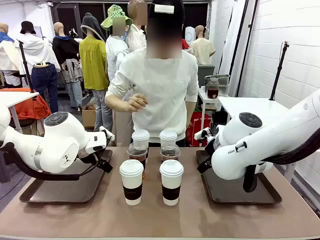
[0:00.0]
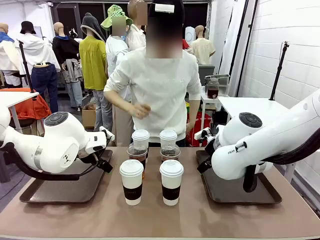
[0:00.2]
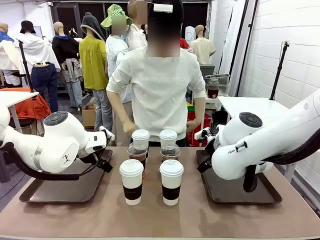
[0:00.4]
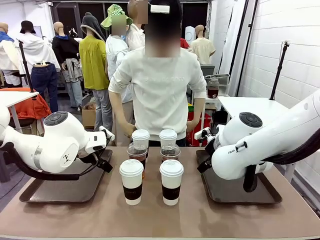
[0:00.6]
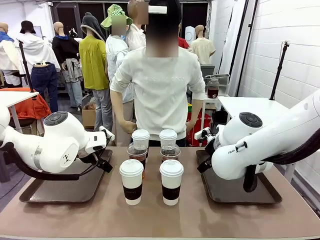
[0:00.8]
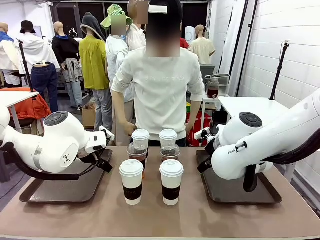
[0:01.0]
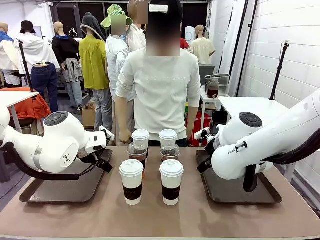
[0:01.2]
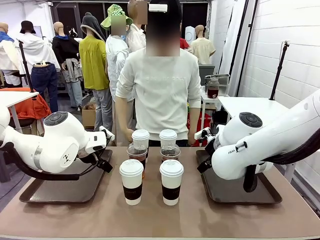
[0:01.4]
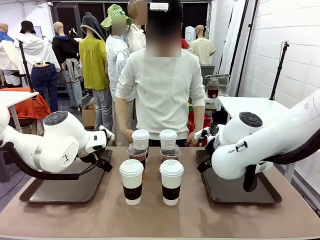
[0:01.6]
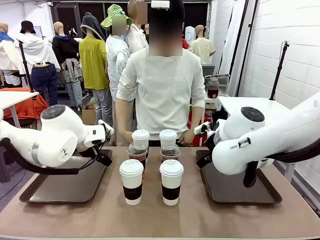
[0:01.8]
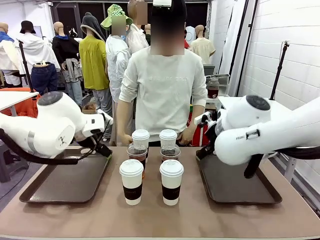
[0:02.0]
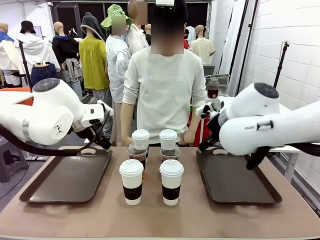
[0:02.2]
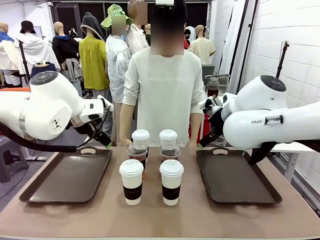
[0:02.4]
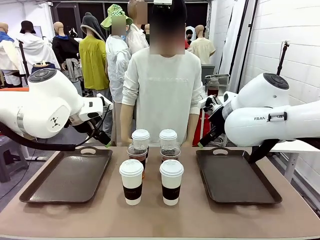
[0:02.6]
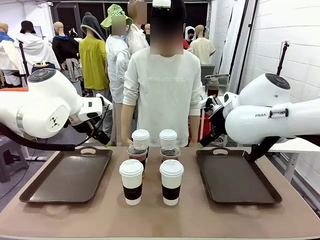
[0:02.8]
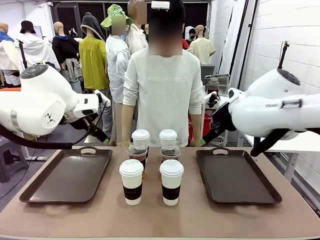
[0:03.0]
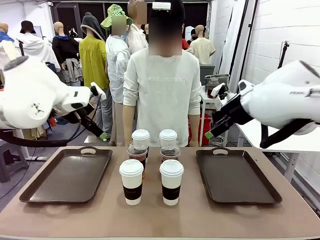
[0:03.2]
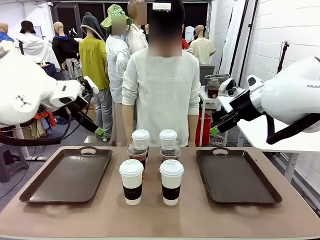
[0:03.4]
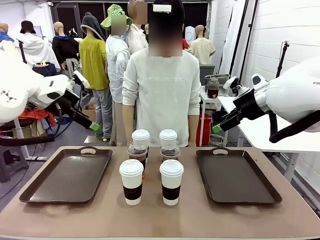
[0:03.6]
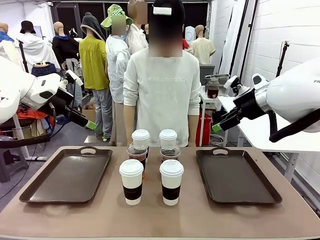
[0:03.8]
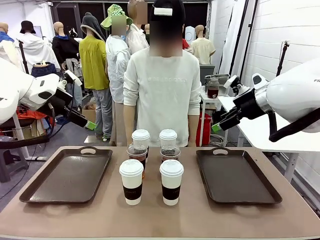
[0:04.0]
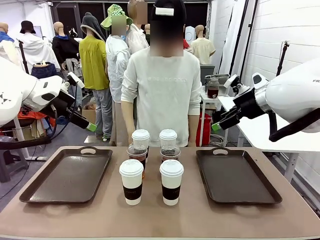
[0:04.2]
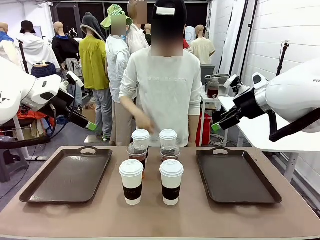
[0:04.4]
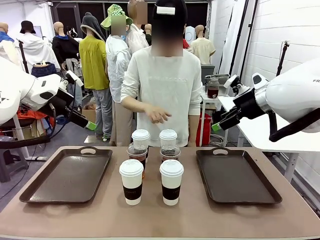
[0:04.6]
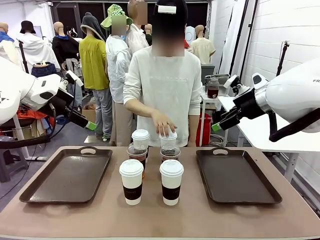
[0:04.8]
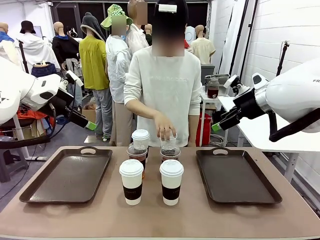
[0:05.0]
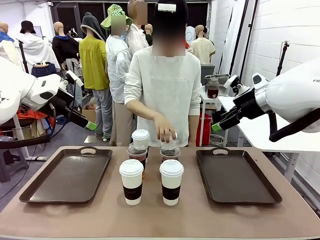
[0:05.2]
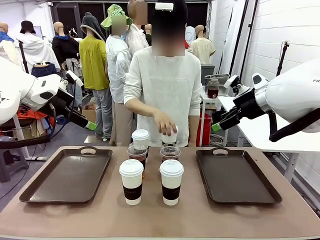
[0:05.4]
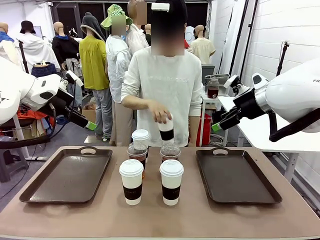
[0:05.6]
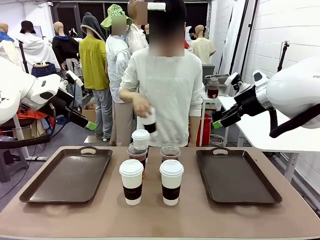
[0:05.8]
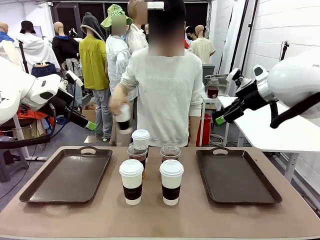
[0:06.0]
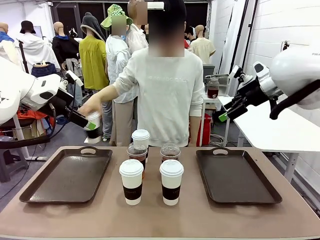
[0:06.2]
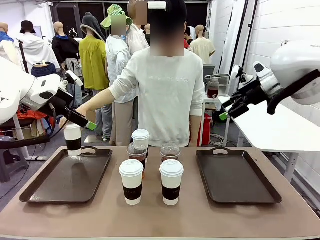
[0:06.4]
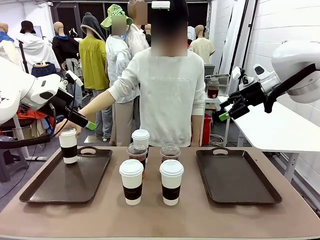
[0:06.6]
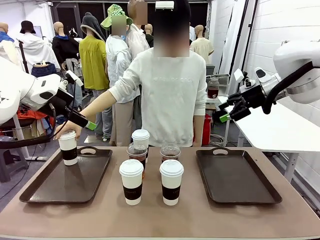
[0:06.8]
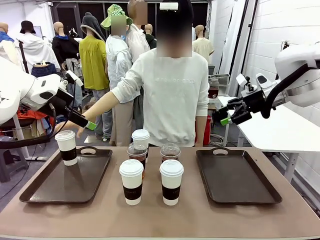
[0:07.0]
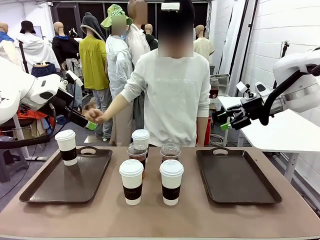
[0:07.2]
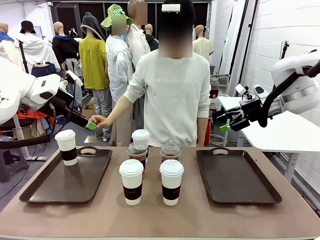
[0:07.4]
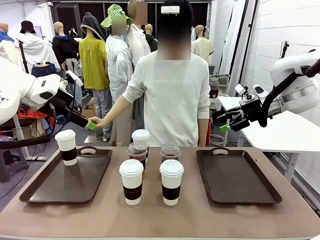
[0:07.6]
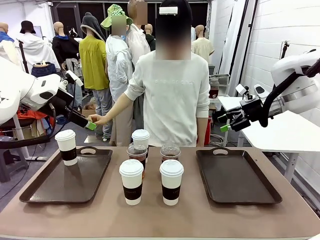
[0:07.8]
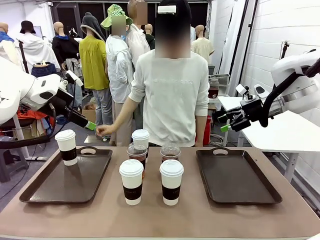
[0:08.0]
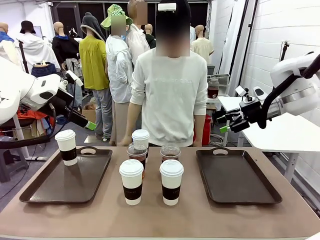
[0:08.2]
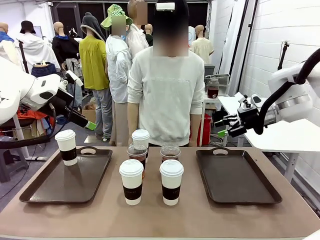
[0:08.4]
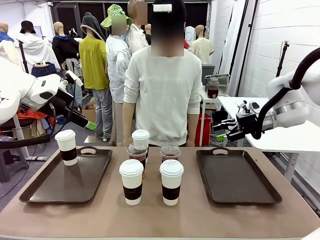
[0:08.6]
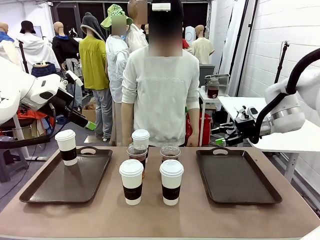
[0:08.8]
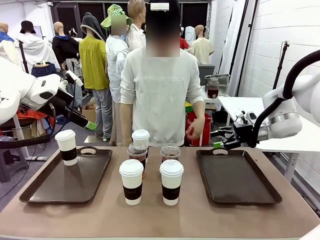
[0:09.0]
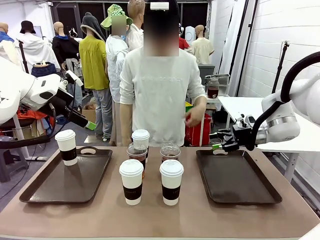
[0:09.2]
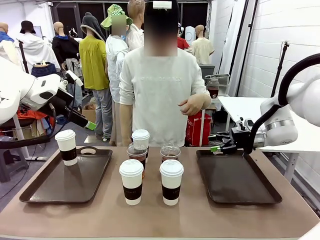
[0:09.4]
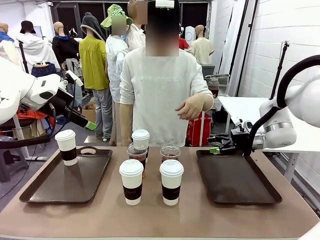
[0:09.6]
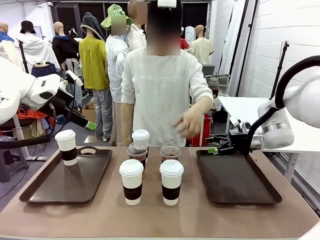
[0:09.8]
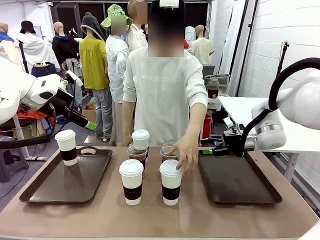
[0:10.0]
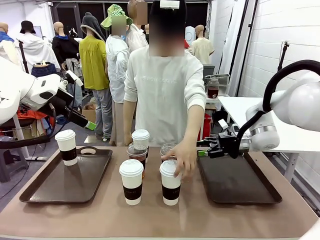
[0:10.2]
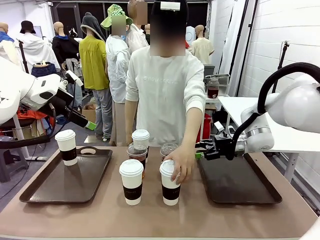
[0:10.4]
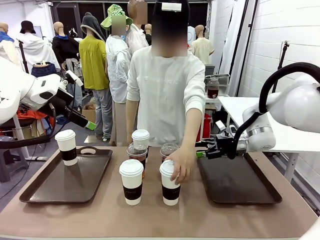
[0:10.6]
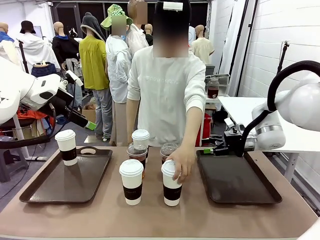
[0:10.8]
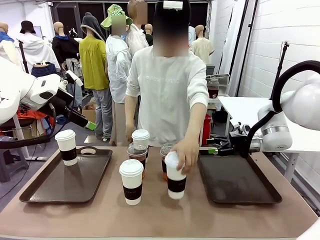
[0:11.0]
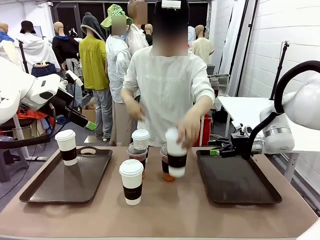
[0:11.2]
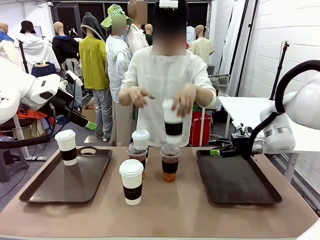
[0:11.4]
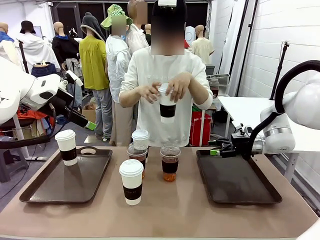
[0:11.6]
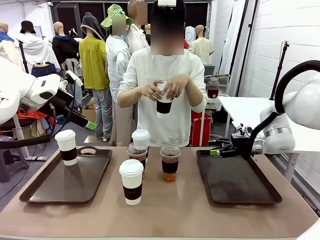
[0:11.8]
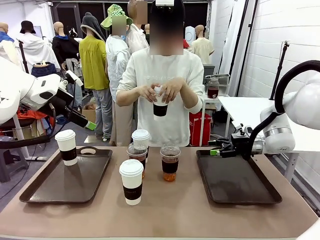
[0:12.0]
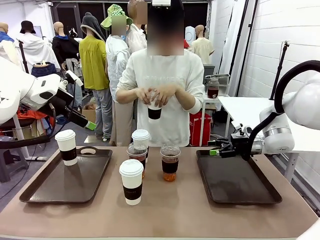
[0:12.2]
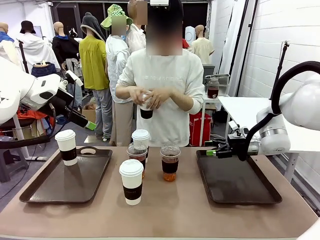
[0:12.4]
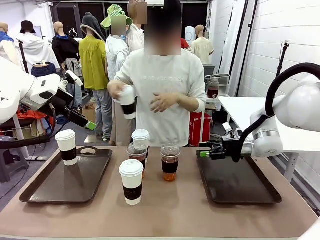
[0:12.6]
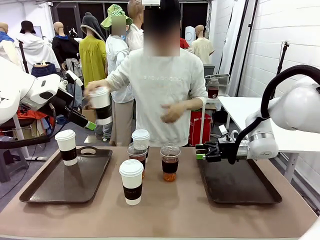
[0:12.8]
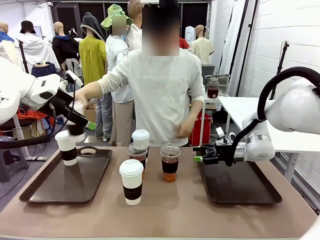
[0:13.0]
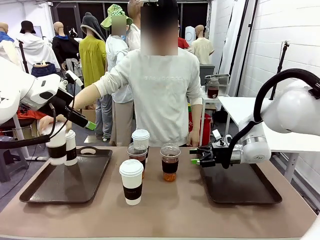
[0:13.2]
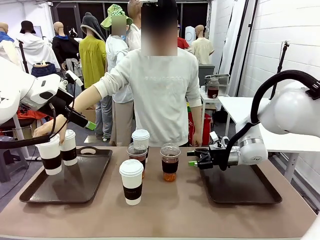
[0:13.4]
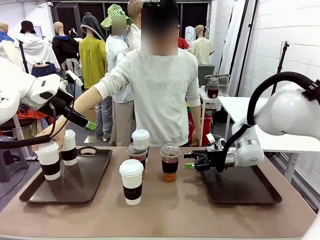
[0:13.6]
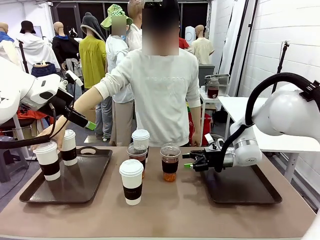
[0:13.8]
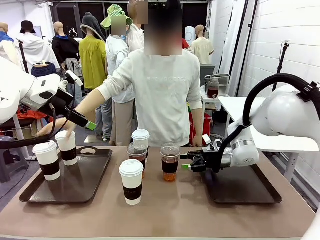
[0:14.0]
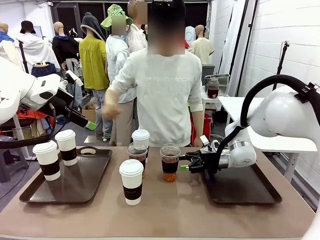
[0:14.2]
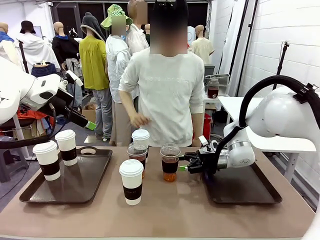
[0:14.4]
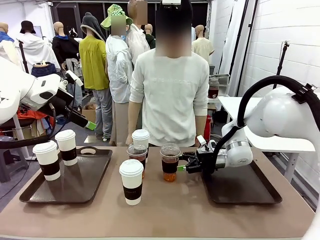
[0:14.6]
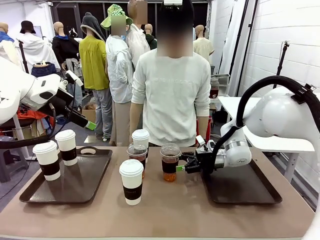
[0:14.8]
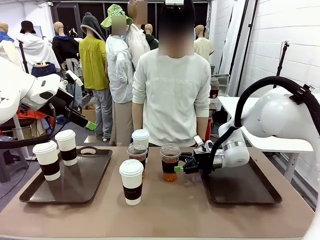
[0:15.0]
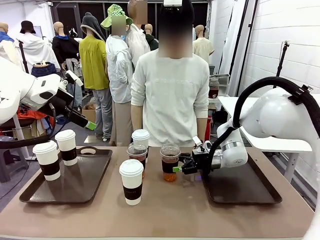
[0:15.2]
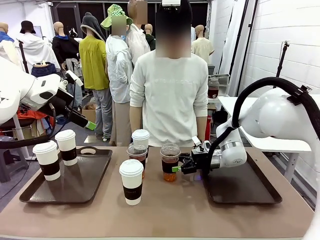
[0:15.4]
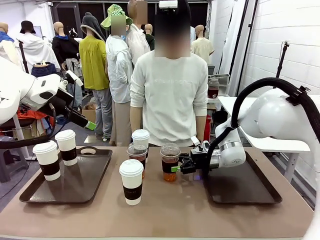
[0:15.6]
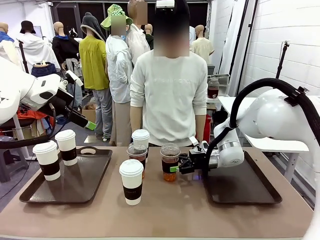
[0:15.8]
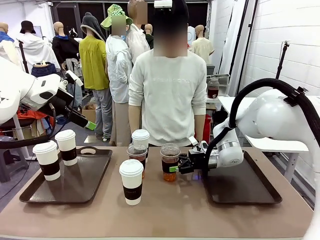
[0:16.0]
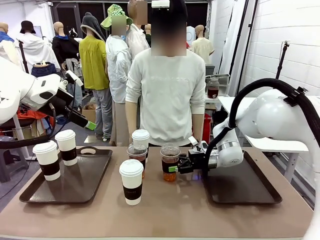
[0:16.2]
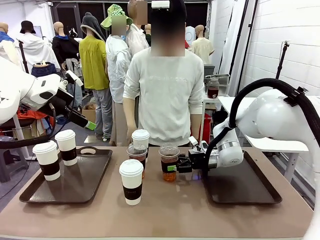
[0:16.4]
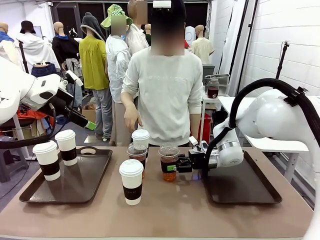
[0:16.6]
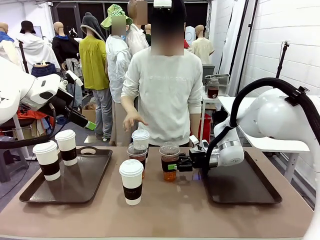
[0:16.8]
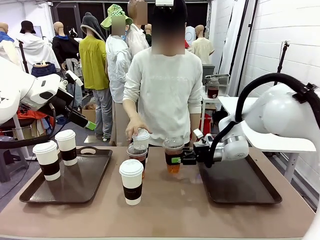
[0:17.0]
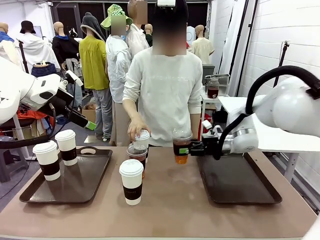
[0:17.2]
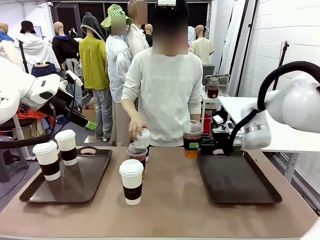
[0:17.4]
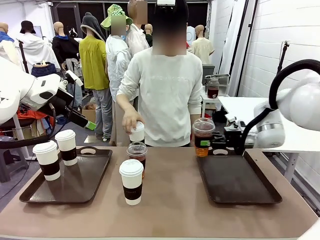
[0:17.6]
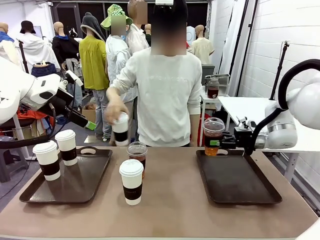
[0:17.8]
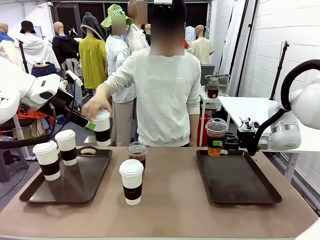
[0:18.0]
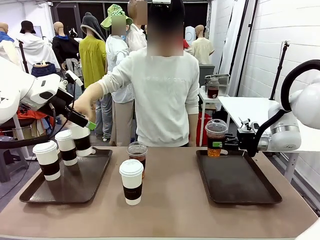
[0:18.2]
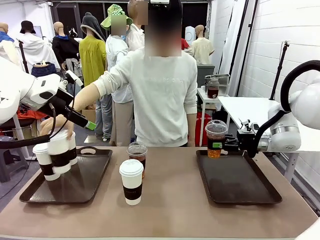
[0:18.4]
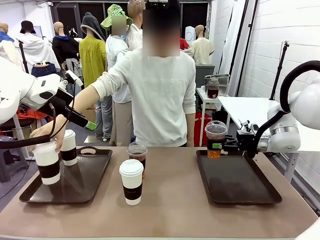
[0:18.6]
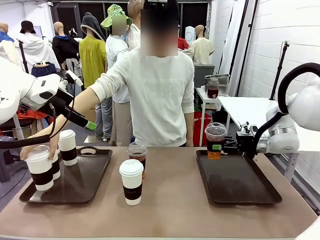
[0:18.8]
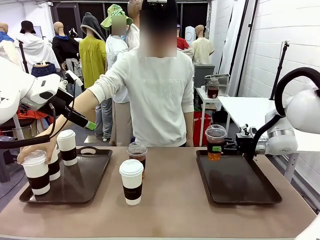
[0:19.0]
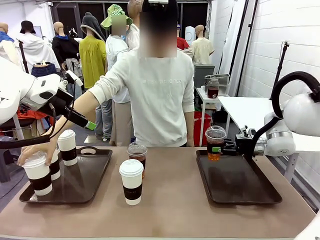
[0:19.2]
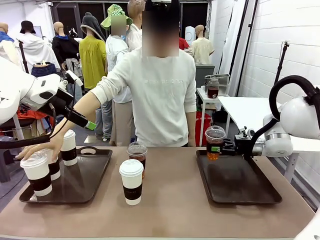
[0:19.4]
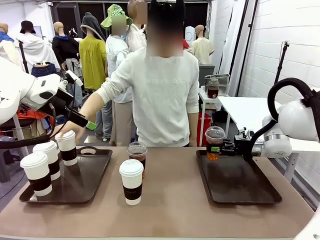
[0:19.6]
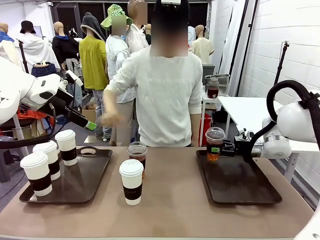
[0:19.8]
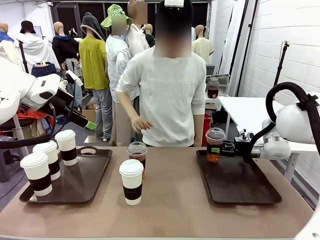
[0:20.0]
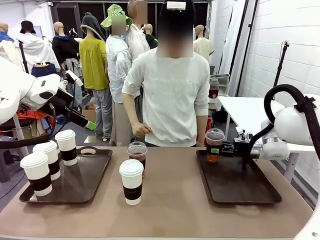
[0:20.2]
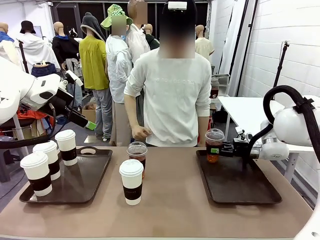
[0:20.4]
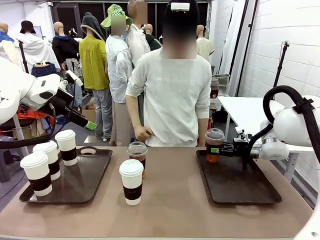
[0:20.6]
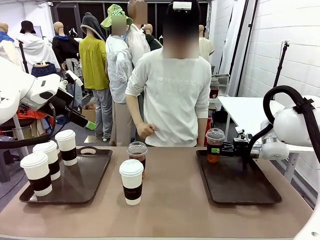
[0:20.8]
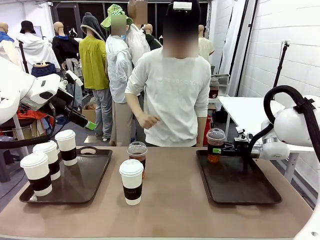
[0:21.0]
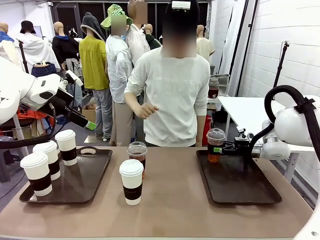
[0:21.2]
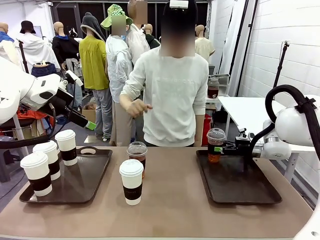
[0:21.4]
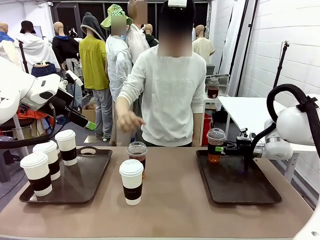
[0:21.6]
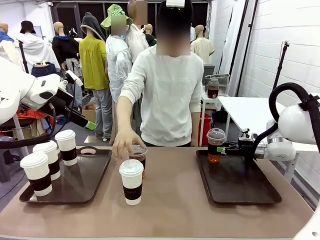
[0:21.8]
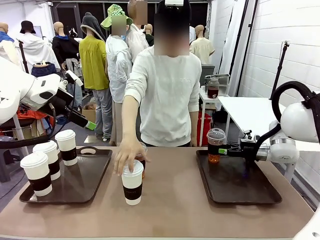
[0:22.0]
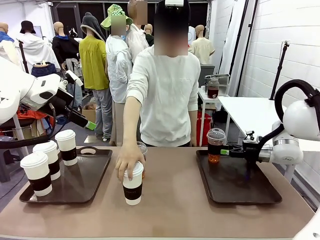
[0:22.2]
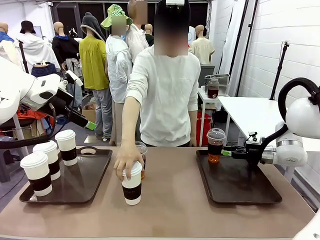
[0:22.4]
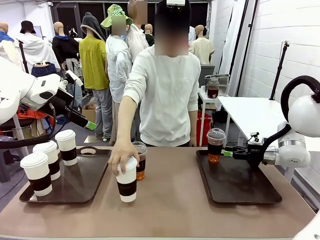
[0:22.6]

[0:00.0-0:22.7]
Task: Distribute the coffee onto the tray.
Robot: Pick up one iced Americano and place it on the right Handle tray.
Person: Pick up a cup of hot Americano and place it on the right tray.
